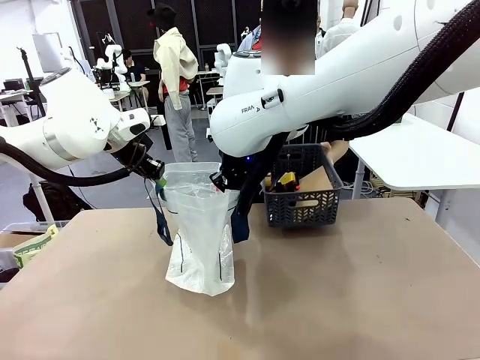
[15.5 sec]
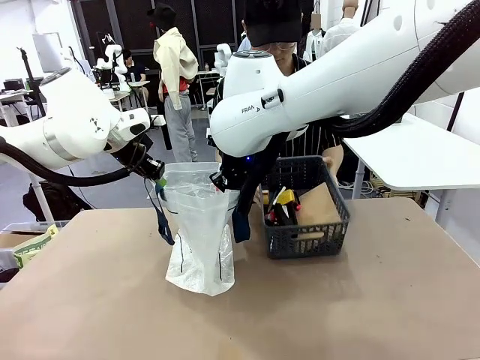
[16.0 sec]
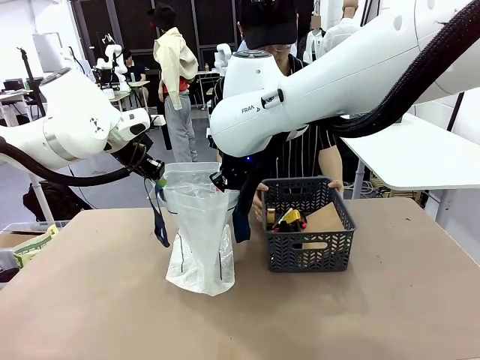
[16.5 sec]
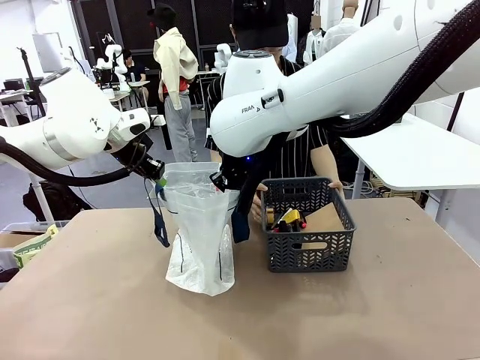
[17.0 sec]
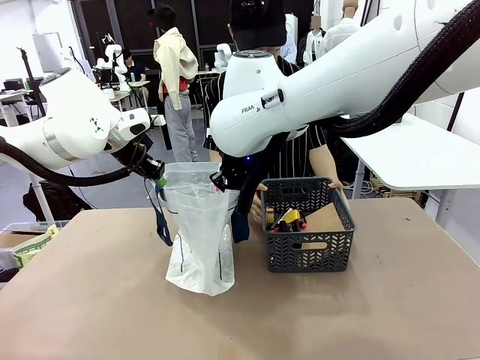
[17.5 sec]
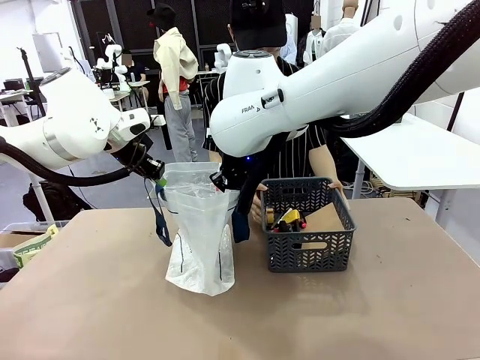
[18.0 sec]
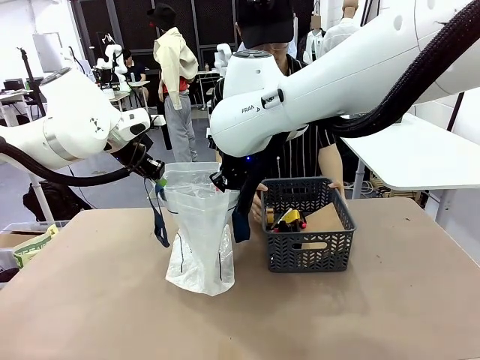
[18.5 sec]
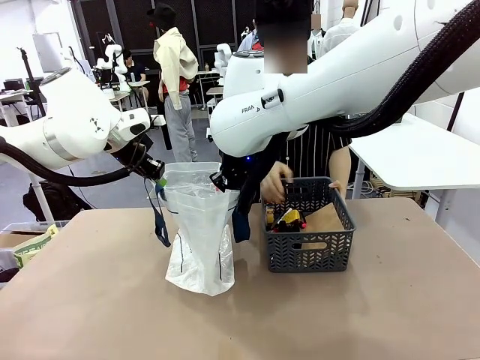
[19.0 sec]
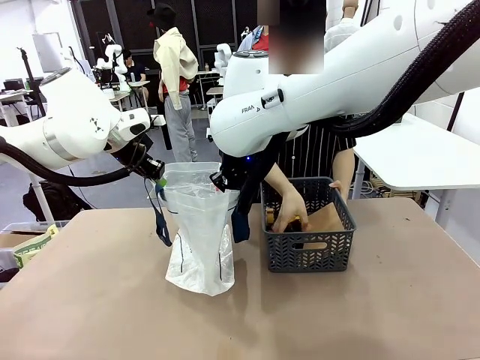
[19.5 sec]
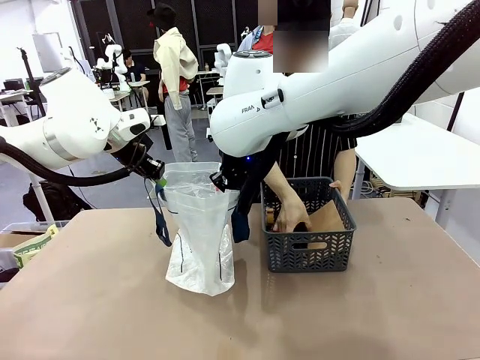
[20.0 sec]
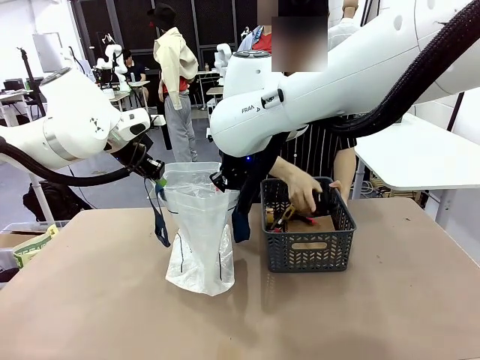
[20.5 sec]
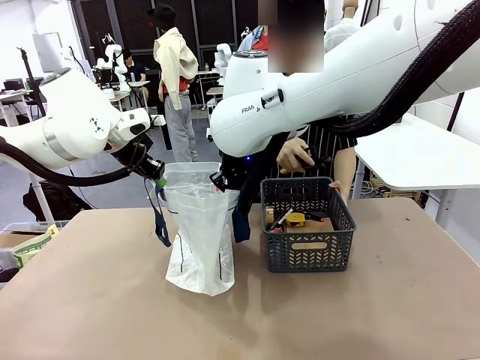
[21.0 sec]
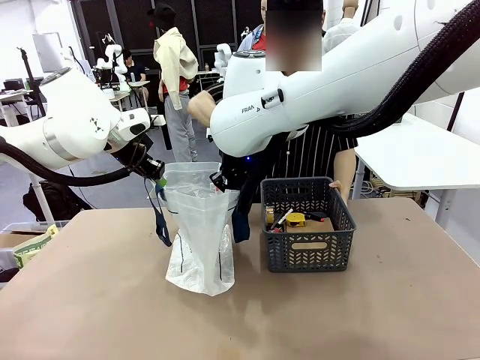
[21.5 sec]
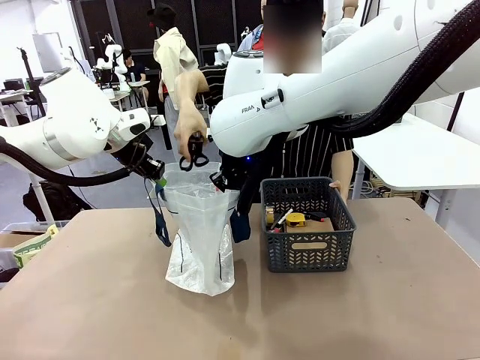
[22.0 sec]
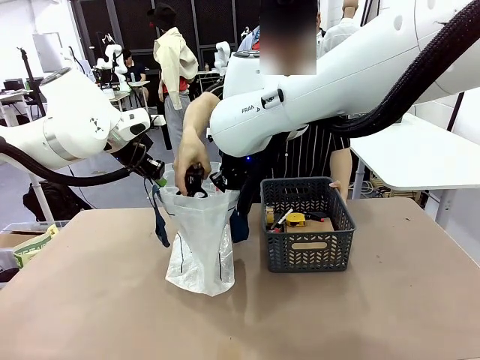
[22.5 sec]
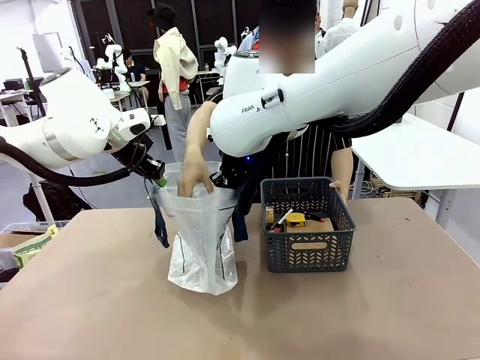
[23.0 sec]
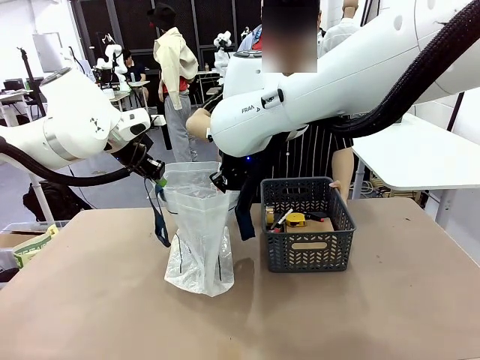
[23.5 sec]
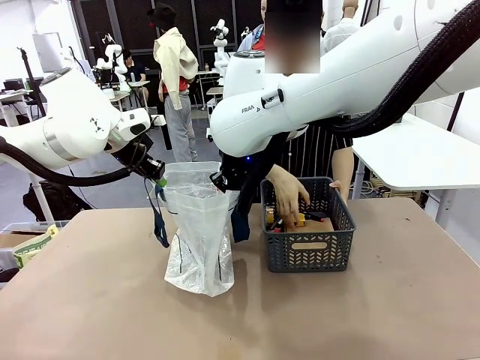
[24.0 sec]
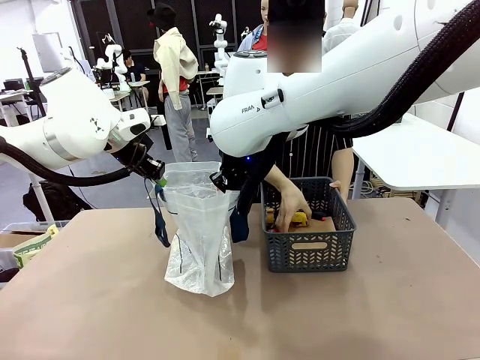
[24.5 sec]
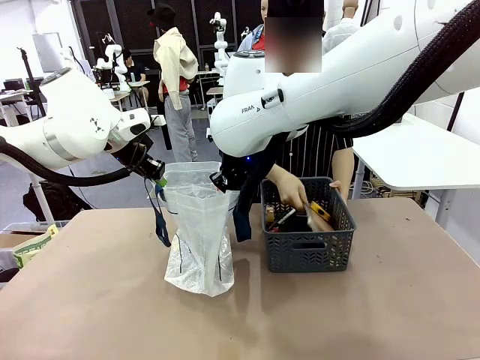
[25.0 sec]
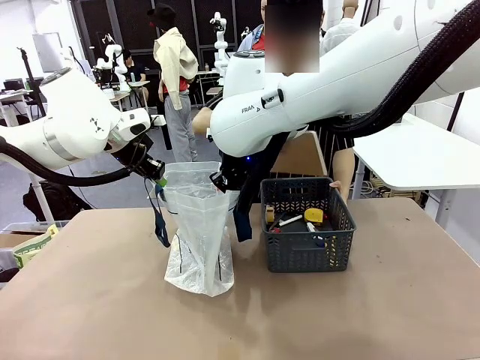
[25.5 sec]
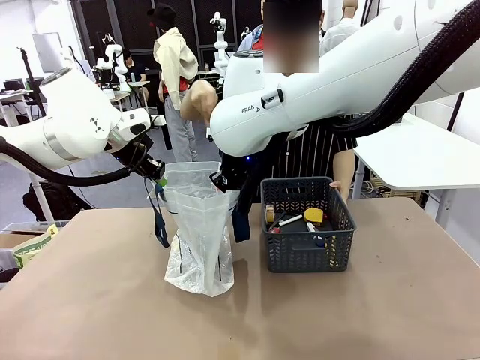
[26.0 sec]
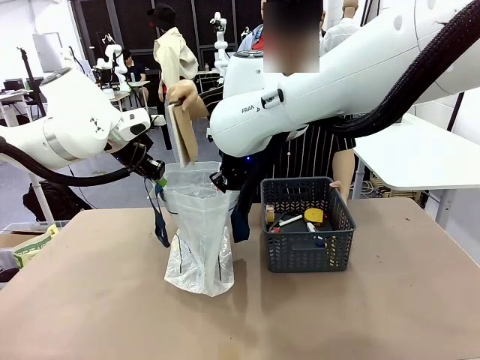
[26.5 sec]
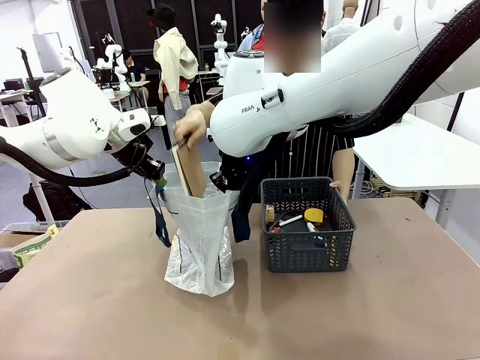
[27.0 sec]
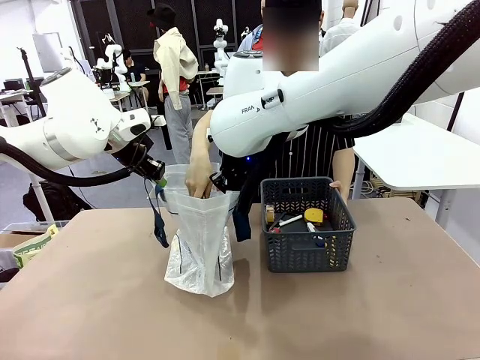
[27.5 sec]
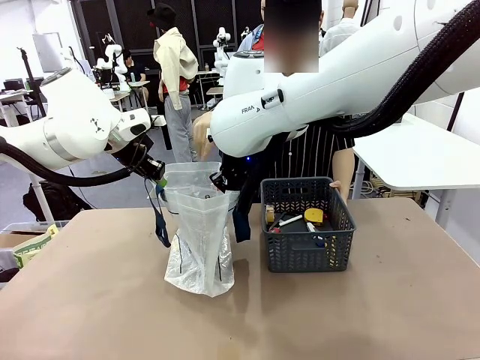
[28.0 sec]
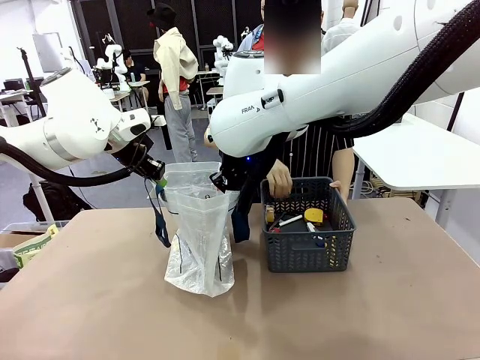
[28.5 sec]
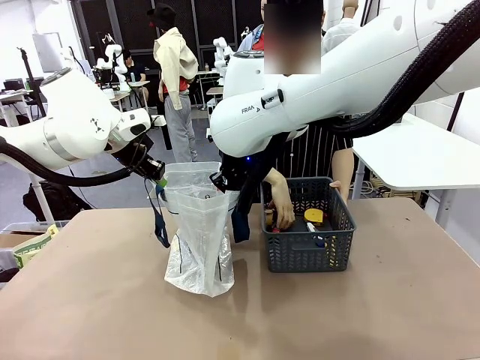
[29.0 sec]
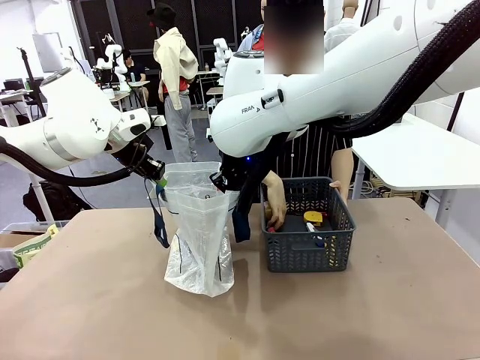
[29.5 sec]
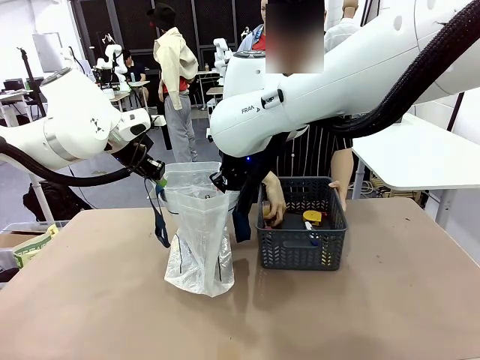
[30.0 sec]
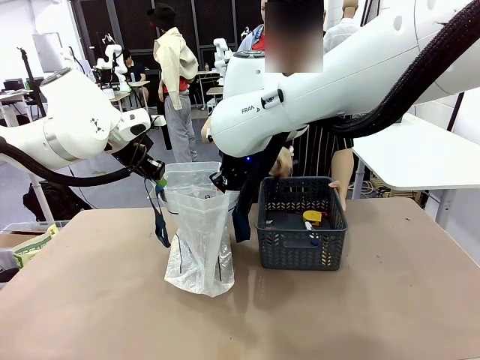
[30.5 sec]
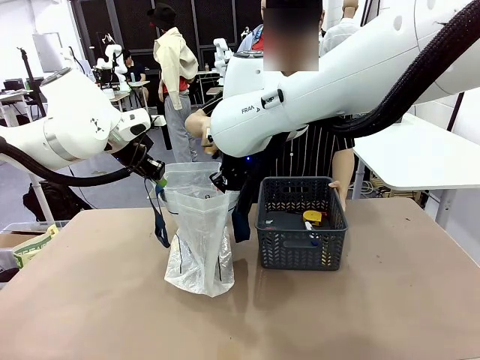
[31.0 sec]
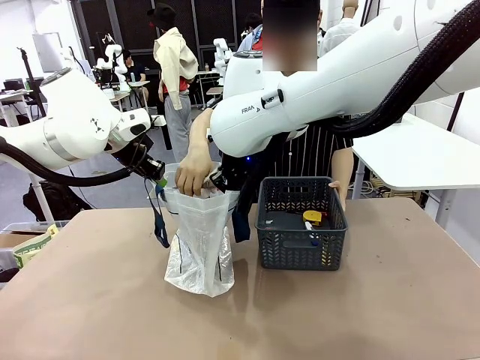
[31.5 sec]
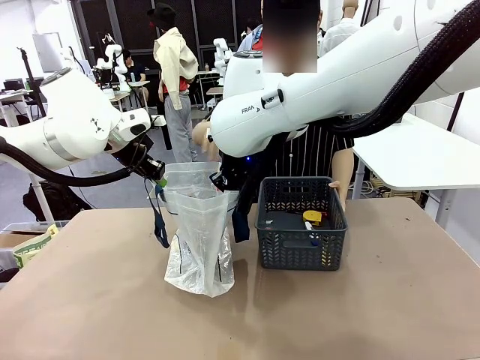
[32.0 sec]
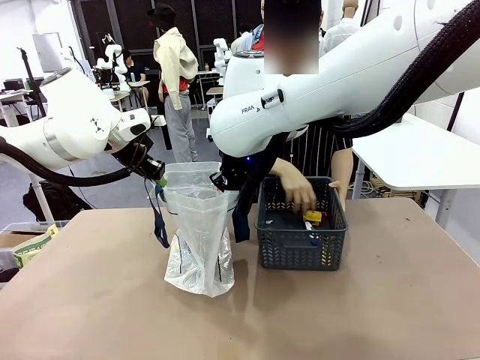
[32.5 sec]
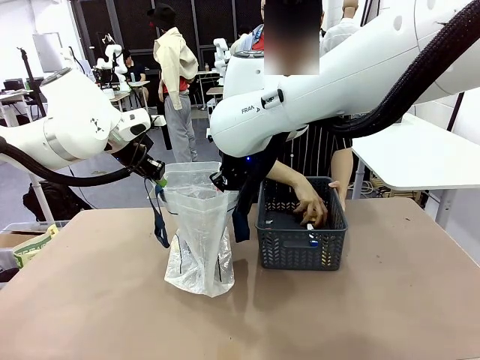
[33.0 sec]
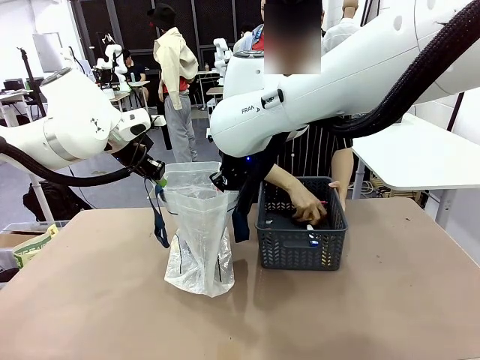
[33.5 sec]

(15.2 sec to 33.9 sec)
Task: Transfer purchased items from the store into the shopping bag.
Robot: Move the Reusable shopping bag to the right side of the table.
Person: Pick up the basket with the items out and place it on the right side of the human table.
